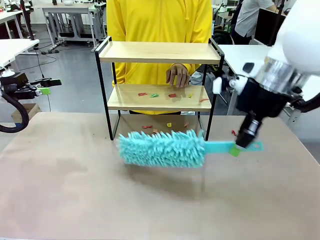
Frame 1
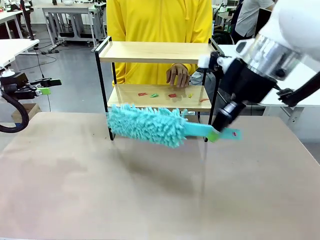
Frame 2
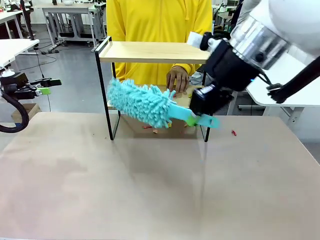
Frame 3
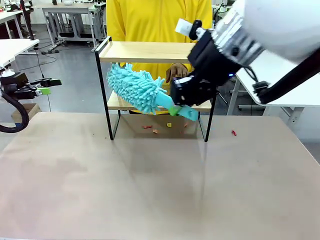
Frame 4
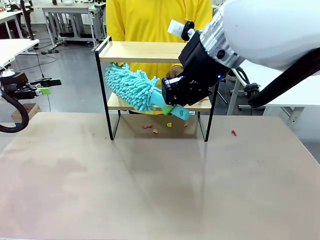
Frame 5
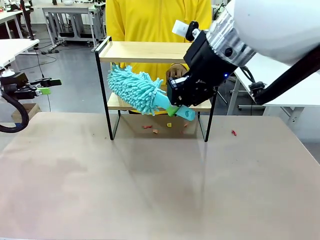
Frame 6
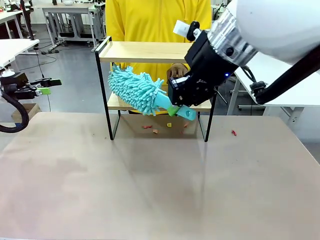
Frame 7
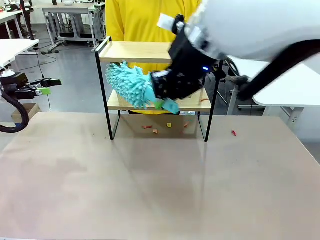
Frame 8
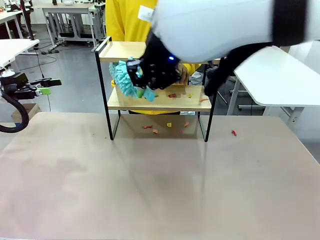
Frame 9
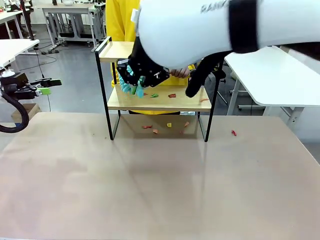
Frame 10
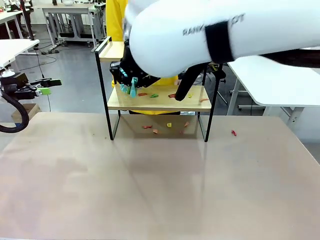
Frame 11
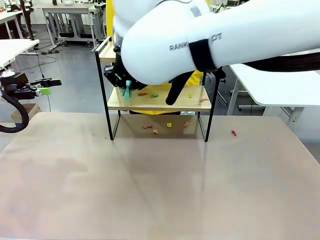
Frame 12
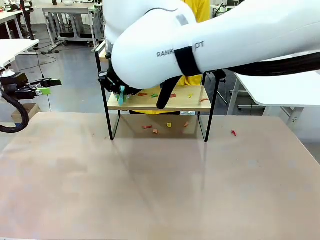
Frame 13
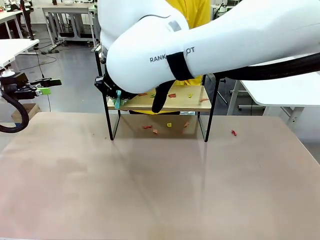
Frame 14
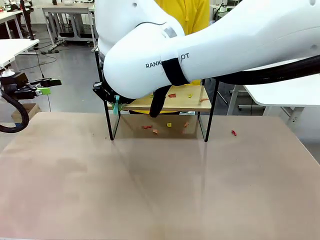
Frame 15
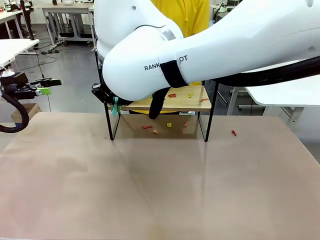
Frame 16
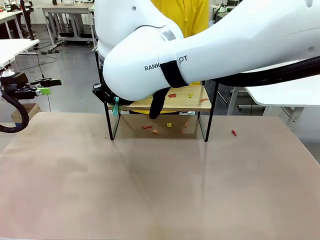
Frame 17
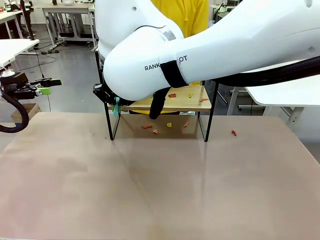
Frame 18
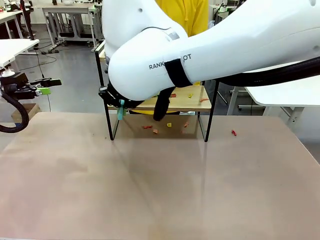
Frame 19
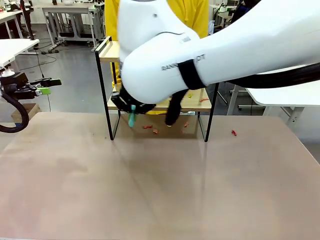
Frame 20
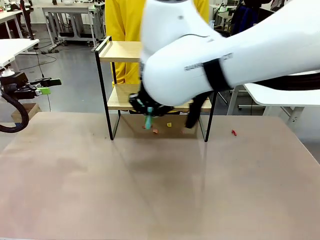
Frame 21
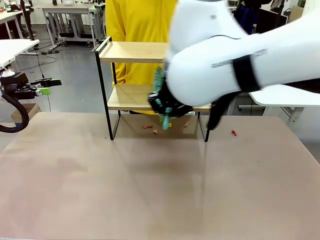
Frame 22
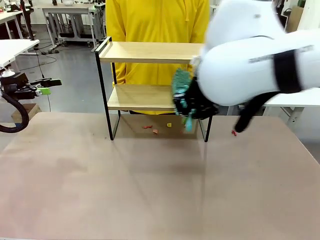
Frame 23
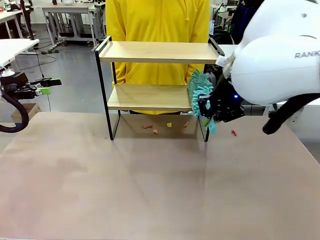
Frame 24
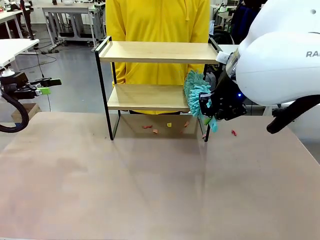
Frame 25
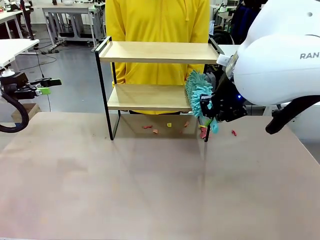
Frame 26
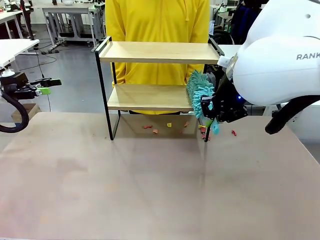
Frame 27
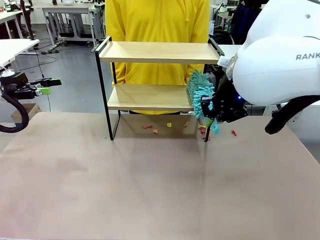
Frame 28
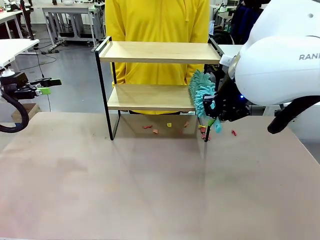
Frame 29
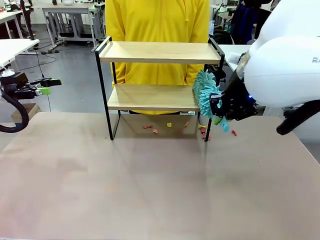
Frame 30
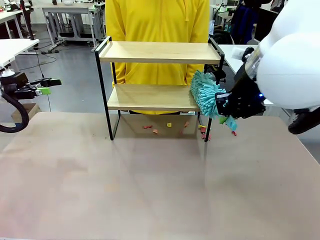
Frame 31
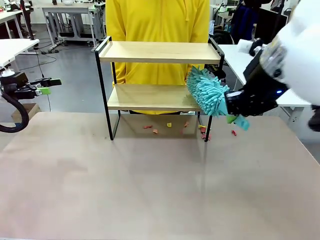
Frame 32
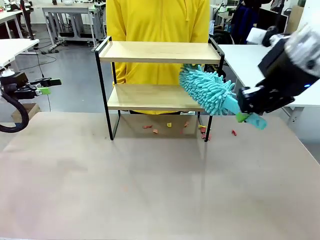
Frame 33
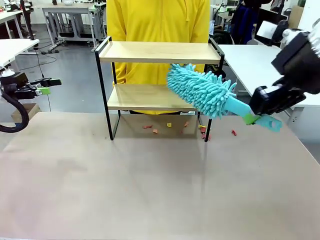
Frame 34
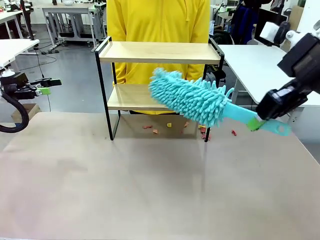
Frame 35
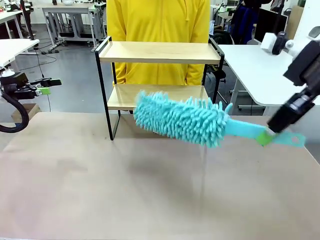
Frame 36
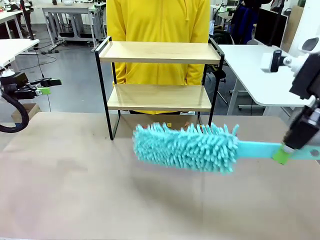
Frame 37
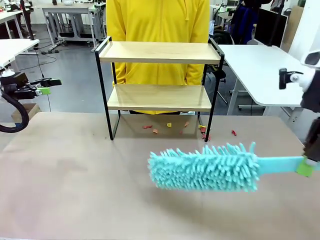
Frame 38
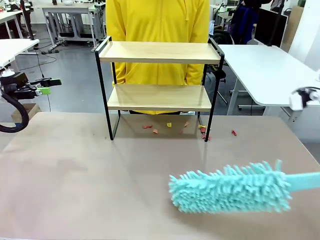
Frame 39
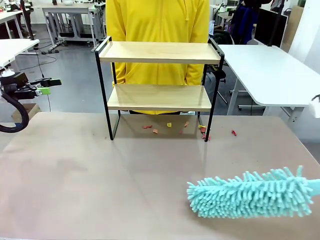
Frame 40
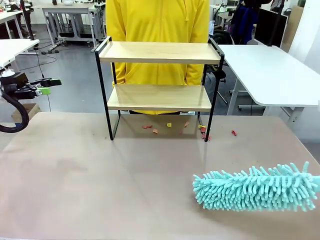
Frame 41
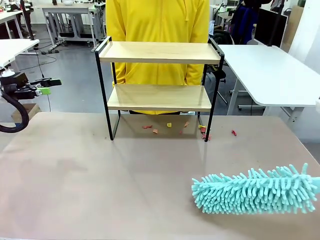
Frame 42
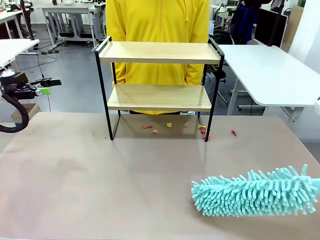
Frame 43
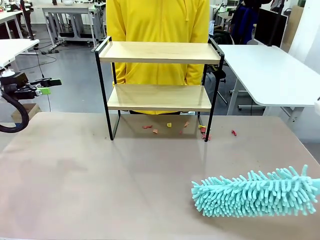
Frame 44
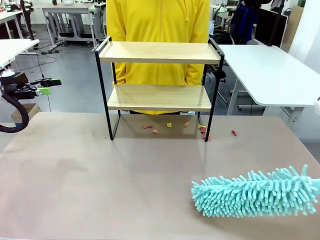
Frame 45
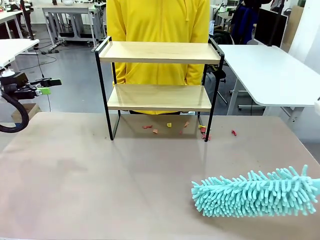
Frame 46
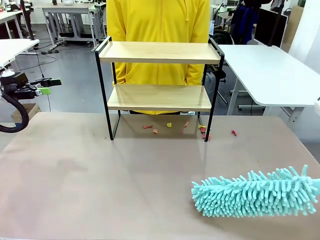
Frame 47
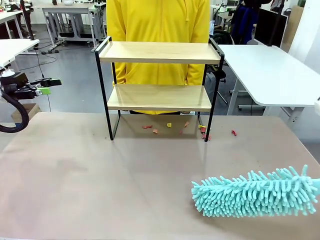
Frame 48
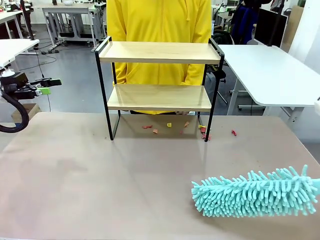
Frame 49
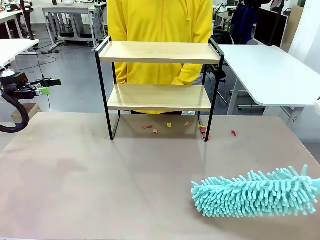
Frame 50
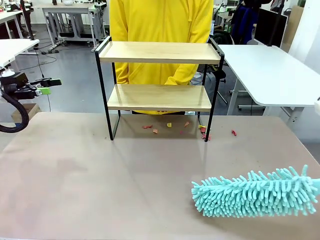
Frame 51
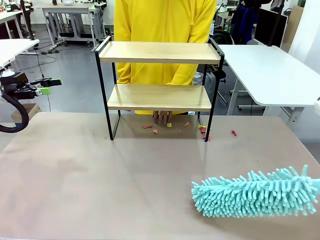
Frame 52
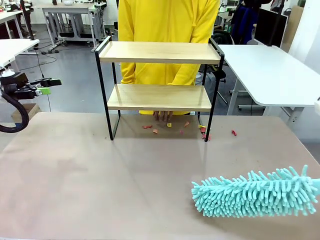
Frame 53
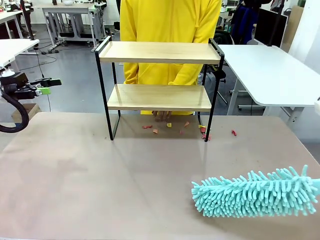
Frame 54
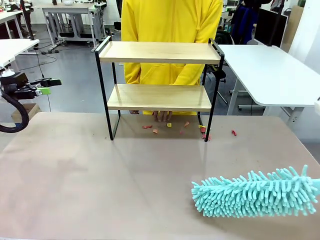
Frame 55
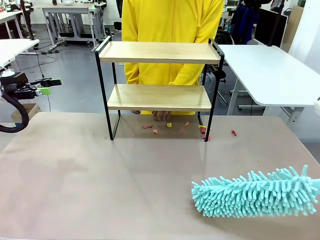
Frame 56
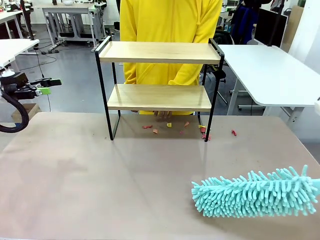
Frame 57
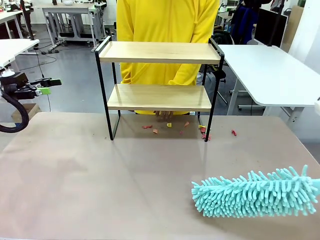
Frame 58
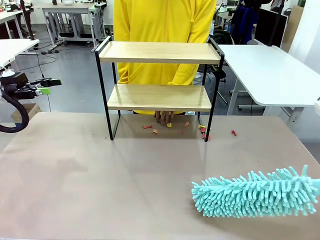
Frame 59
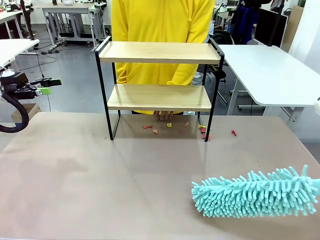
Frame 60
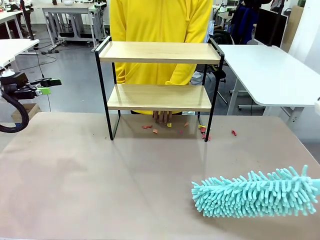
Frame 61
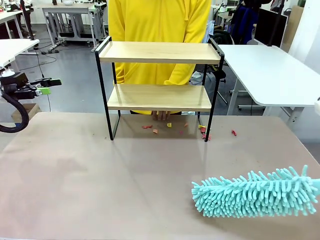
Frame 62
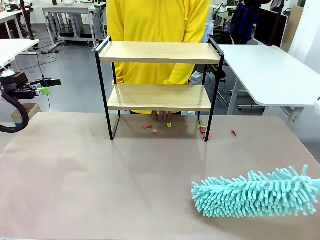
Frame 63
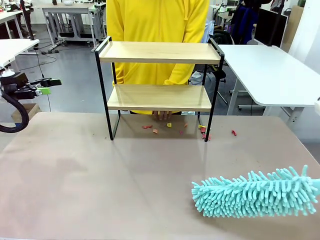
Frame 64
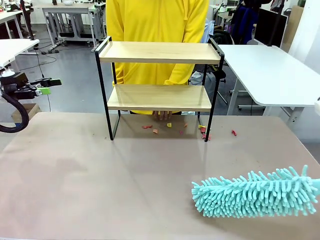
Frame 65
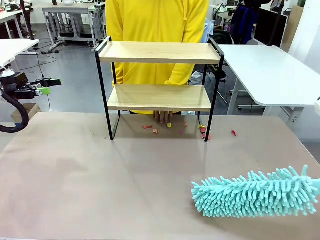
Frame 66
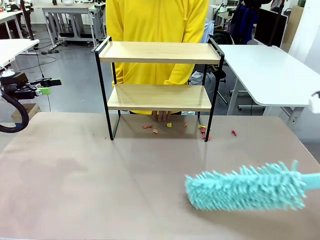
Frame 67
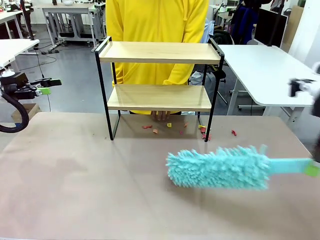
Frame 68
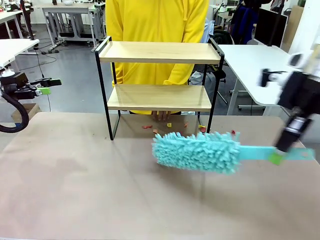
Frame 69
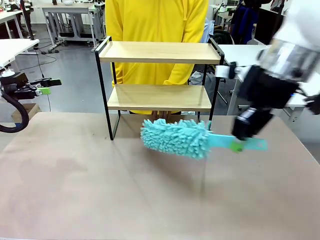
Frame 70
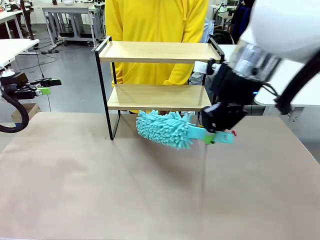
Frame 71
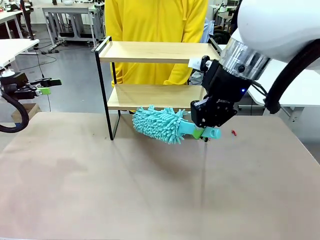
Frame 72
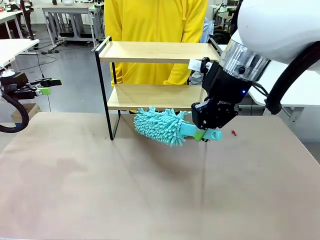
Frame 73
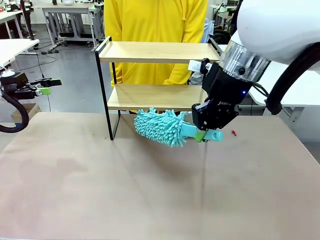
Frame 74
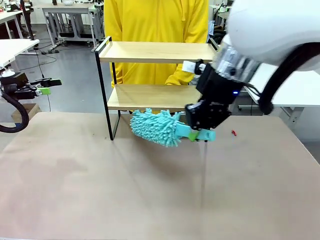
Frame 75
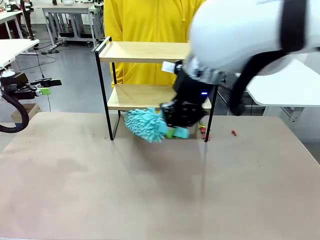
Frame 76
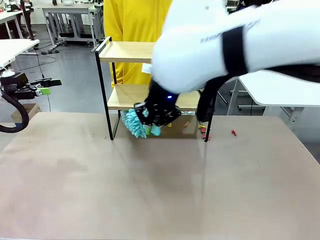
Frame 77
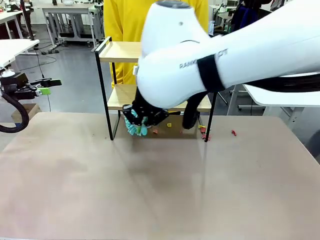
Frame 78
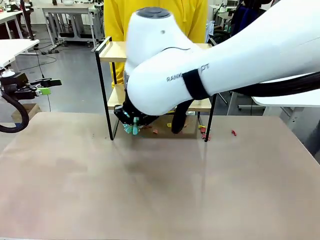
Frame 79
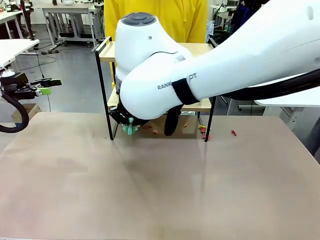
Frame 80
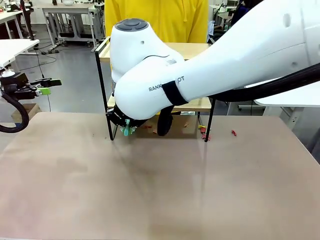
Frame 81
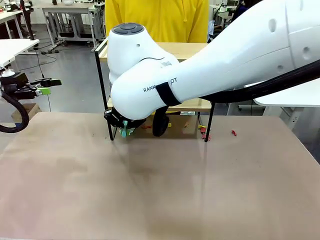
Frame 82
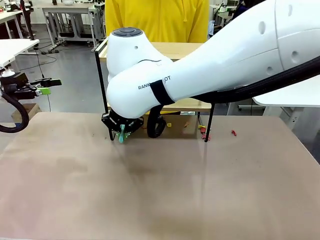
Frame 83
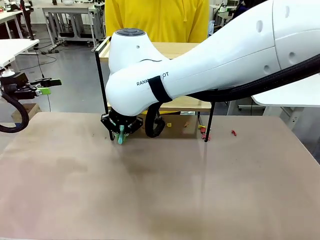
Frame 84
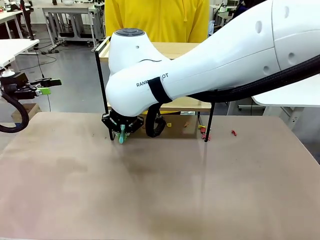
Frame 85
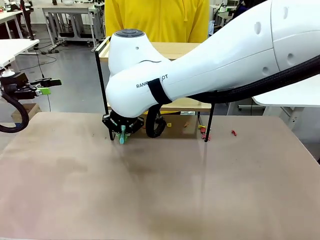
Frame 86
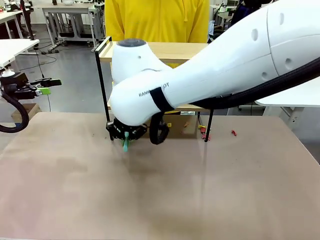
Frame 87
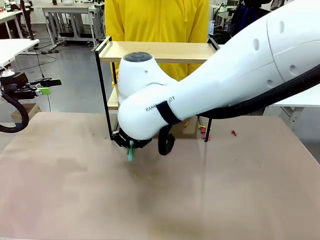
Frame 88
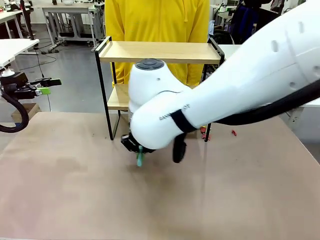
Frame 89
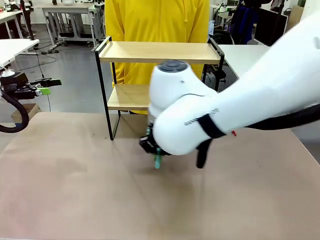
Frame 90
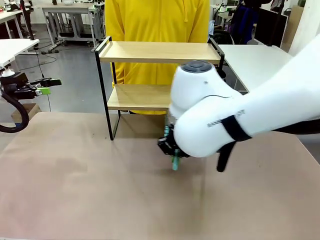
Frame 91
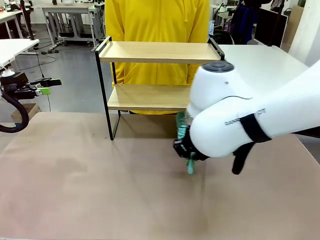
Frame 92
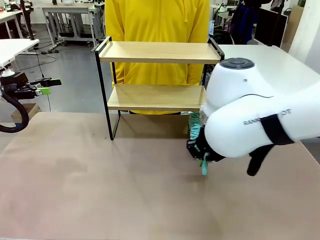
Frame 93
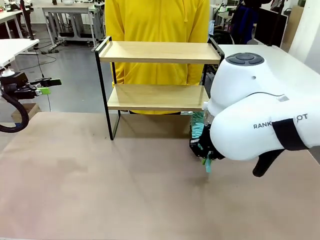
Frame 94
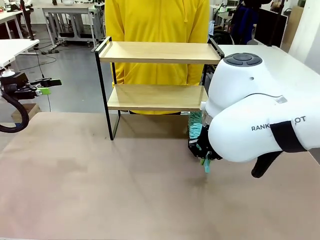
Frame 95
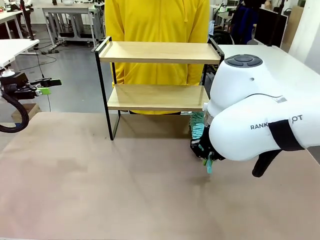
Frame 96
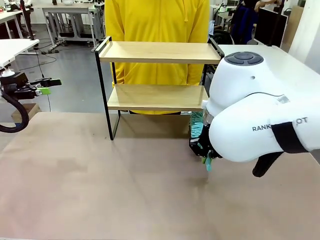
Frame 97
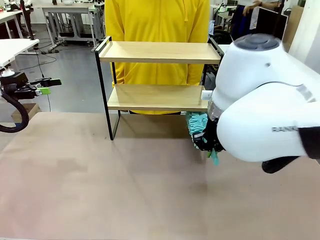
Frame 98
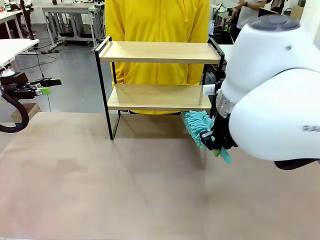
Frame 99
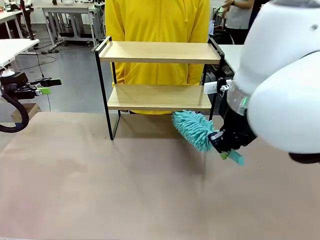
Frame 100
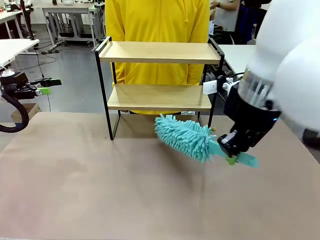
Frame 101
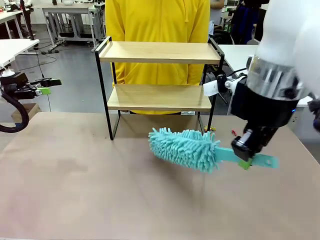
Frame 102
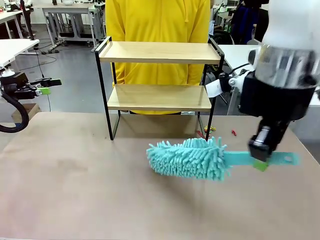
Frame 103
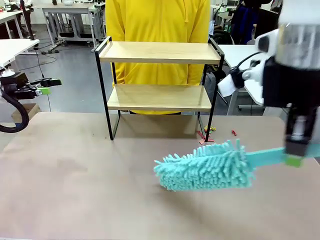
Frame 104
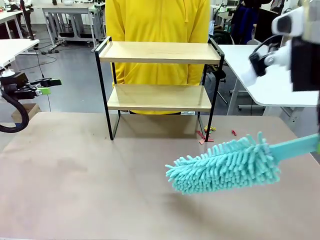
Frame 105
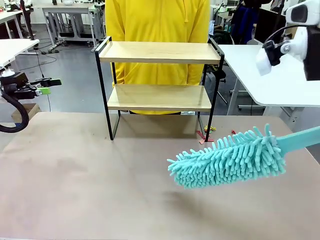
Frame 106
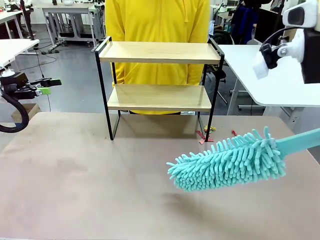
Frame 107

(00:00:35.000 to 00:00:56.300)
Task: Clean the shelf.
Robot: Clean the specific section of the Shelf indicated by the human with the Duster.
Person: Point a remaining section of the Shelf.
